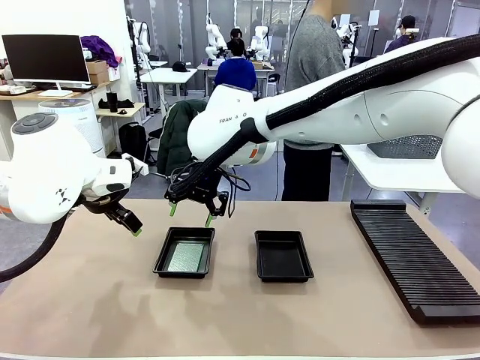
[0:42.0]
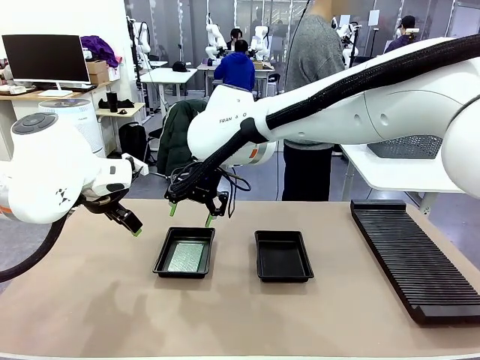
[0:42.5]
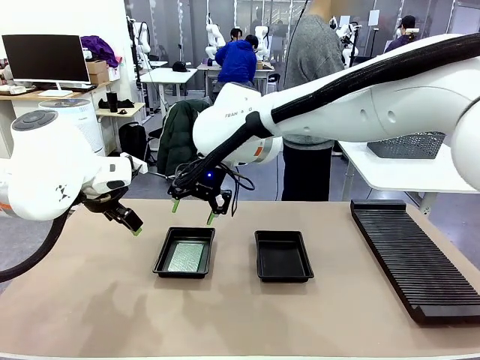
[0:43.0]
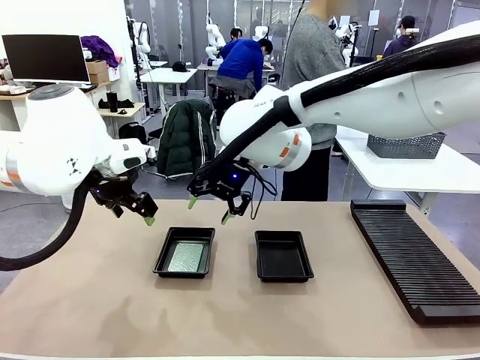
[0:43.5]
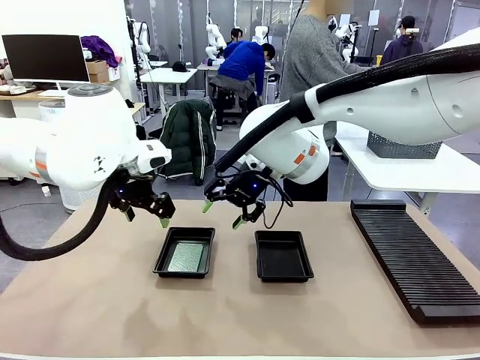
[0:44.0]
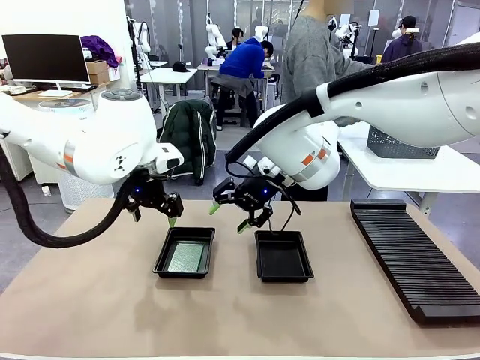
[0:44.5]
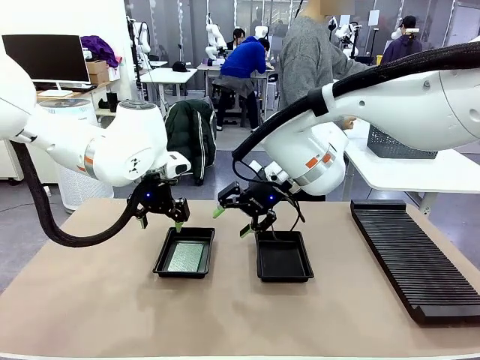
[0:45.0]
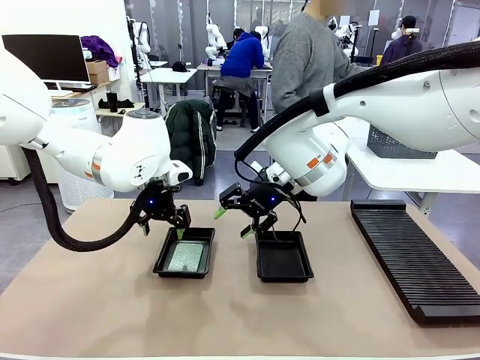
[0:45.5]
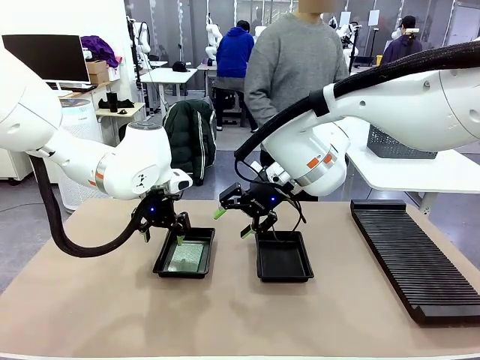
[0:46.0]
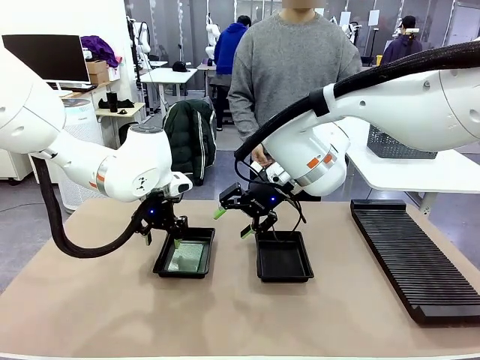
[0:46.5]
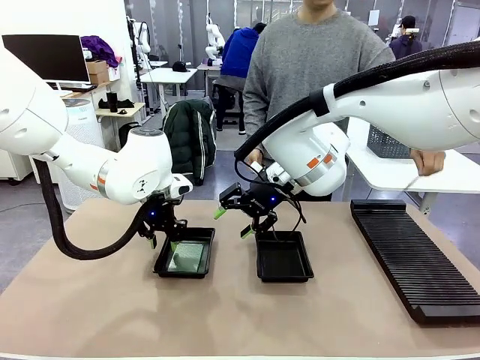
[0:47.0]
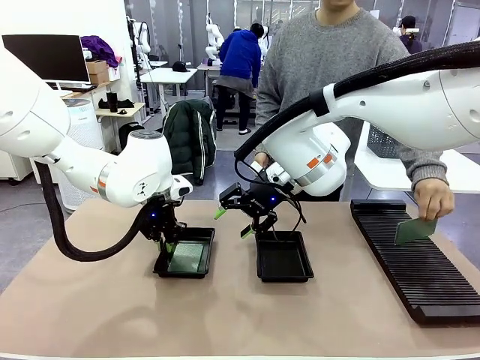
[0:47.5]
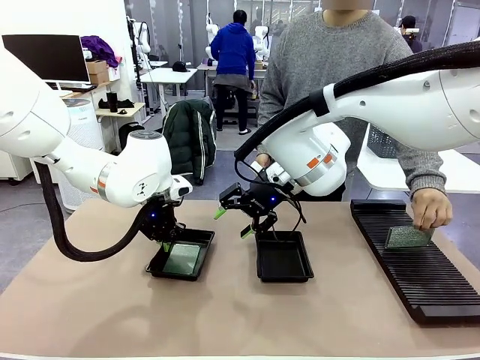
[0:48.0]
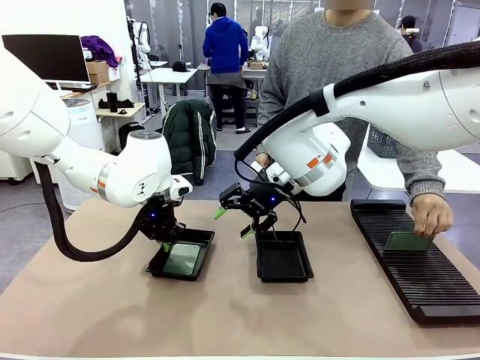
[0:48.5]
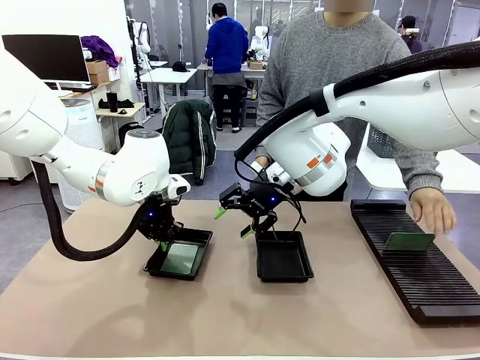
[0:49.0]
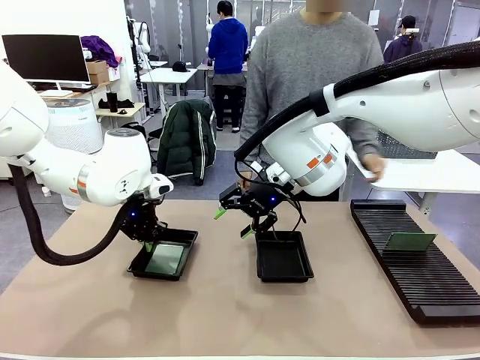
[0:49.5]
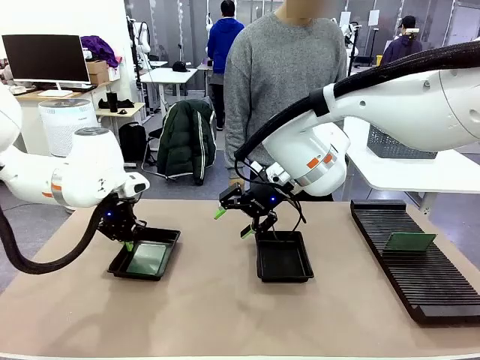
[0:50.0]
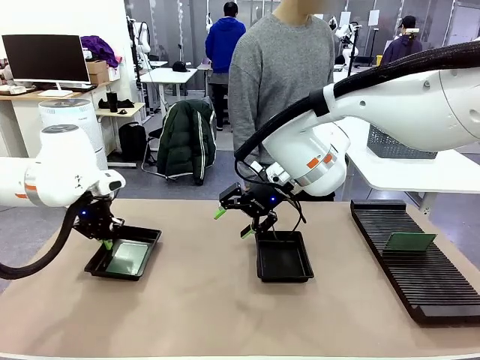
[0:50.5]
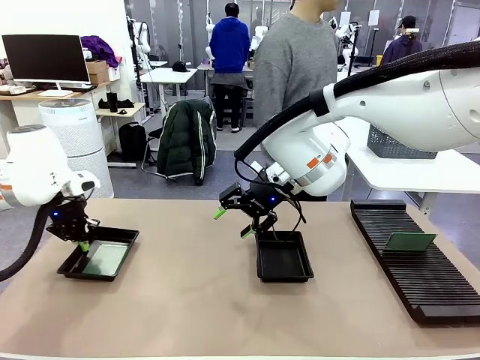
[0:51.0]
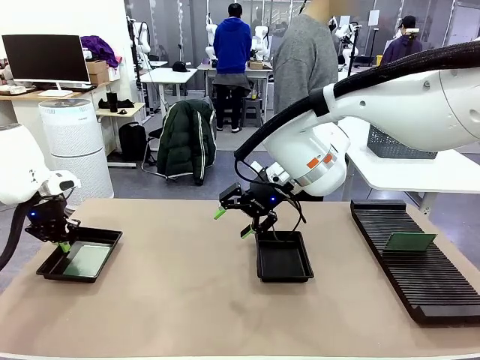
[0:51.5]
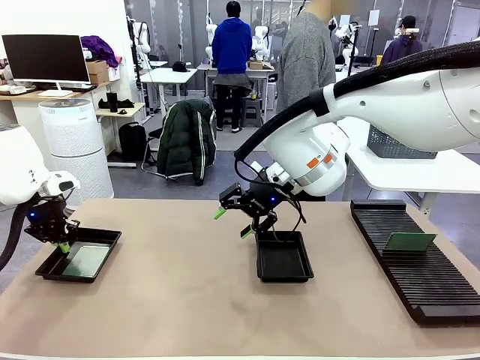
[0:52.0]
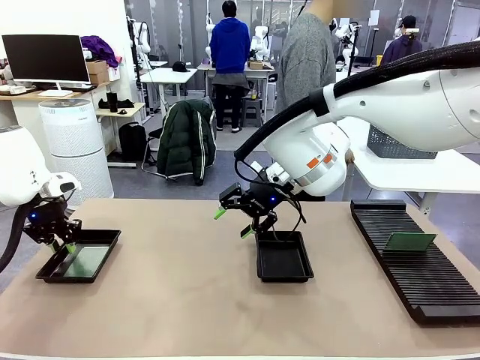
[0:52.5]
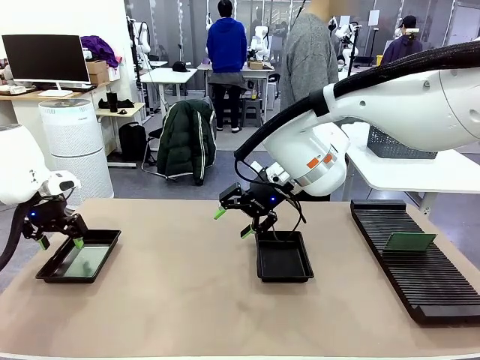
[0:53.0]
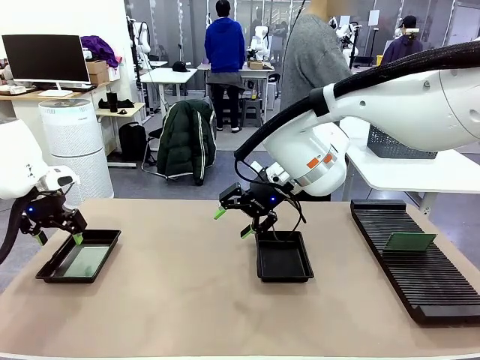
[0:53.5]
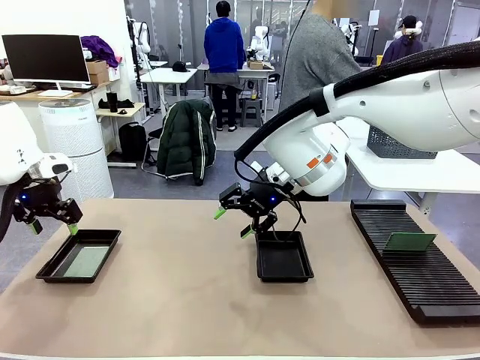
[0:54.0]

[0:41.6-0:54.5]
Task: Inspect and transfer BCBs to ESD trays.
Robot: Pick up the ESD tray and place it on the left side of the table.

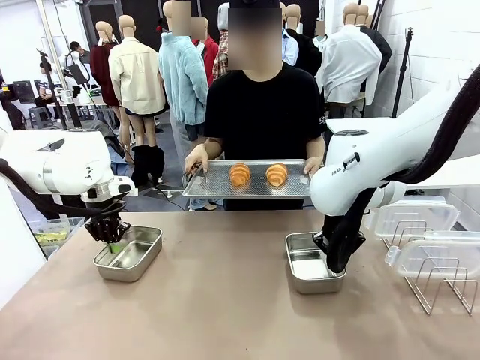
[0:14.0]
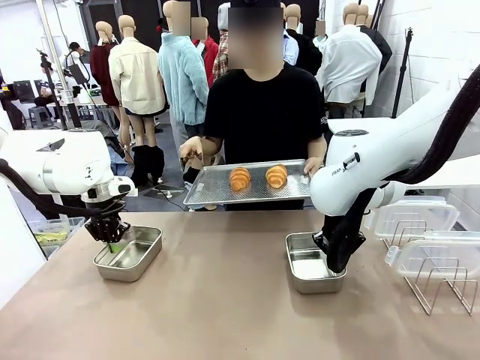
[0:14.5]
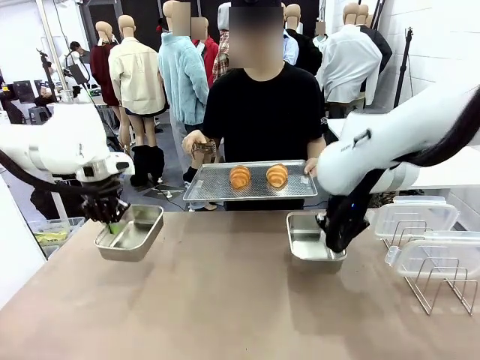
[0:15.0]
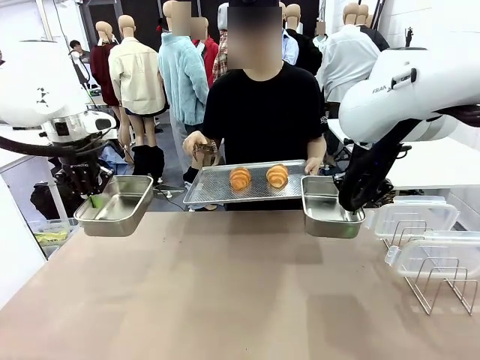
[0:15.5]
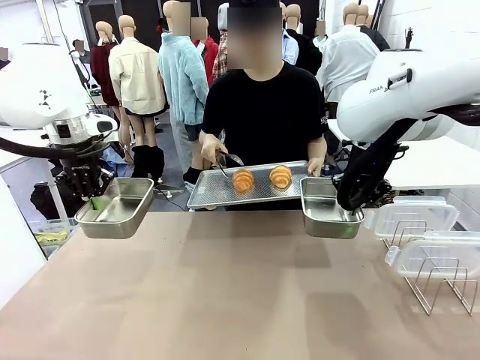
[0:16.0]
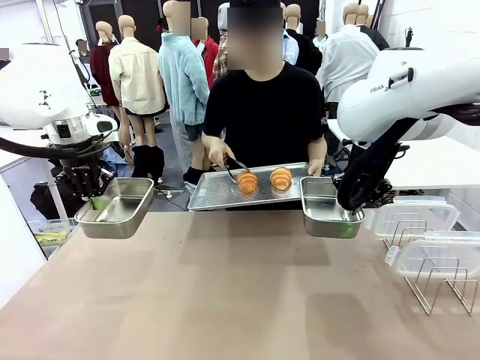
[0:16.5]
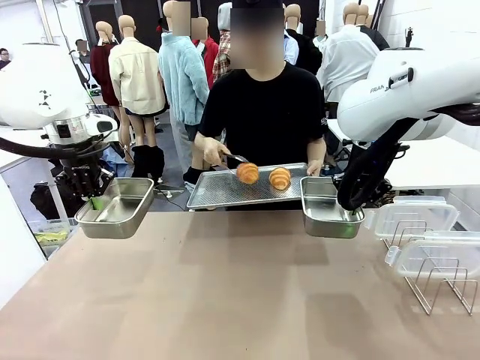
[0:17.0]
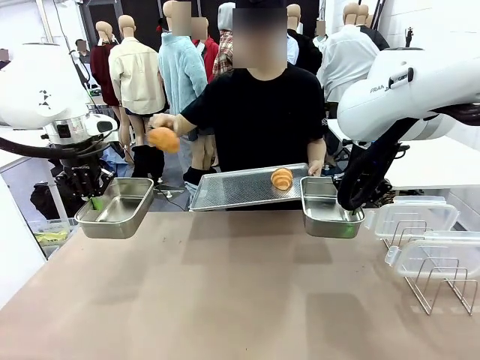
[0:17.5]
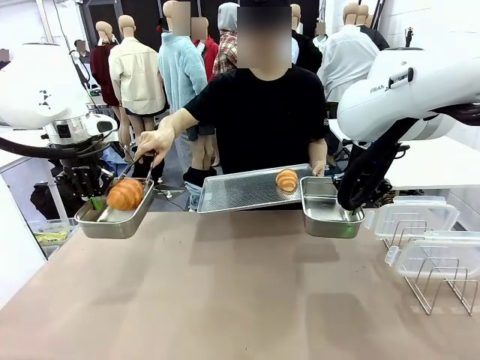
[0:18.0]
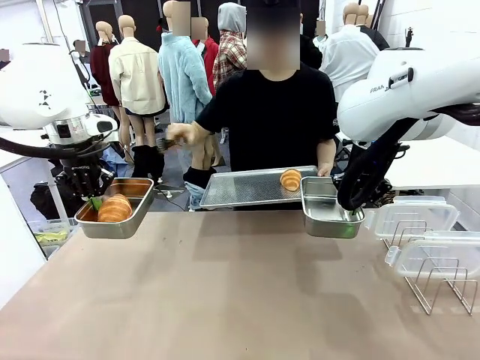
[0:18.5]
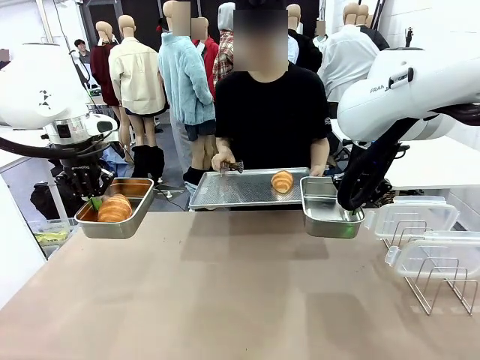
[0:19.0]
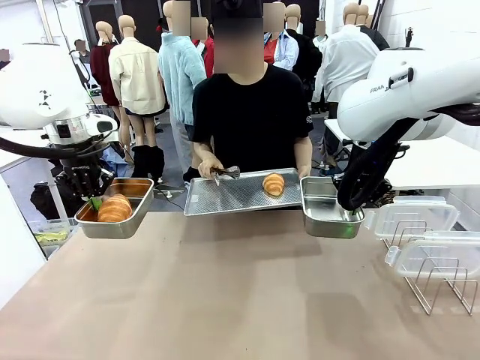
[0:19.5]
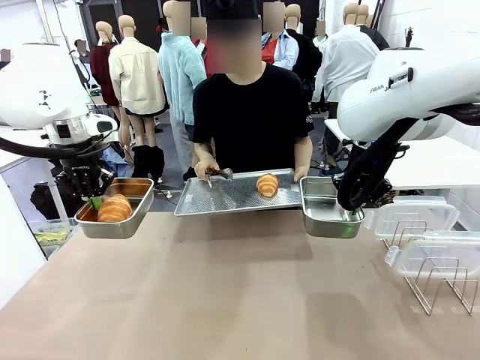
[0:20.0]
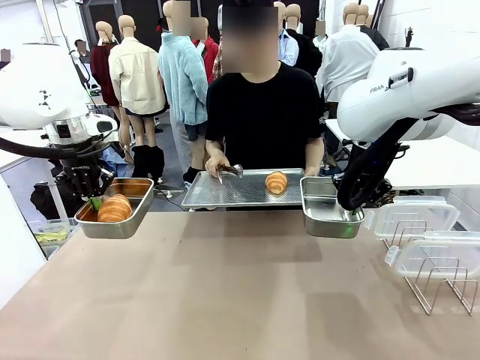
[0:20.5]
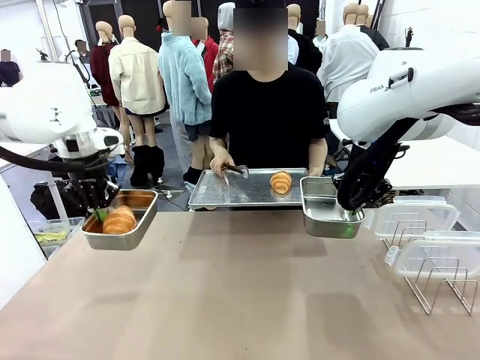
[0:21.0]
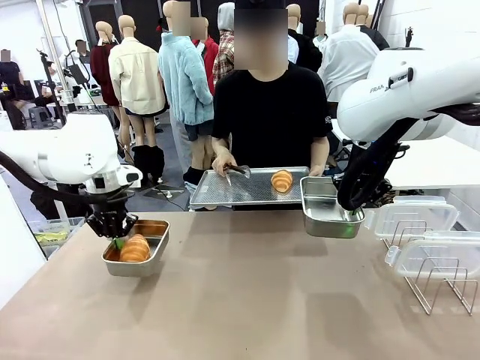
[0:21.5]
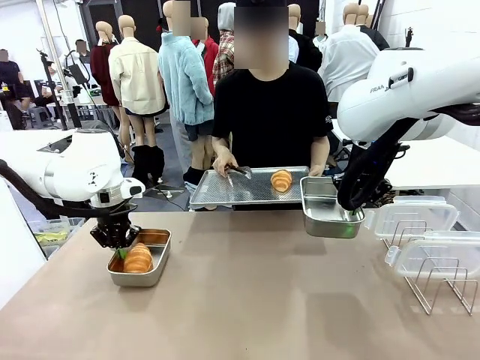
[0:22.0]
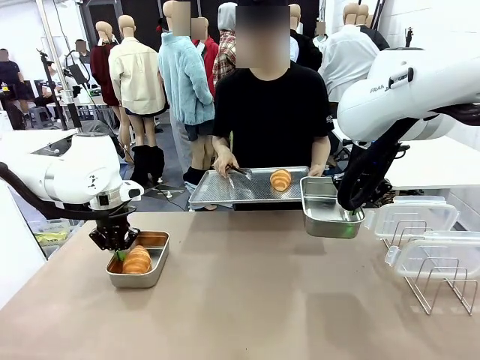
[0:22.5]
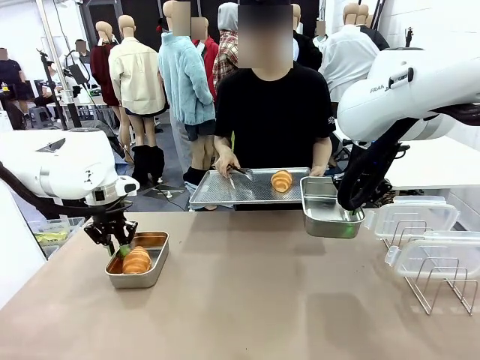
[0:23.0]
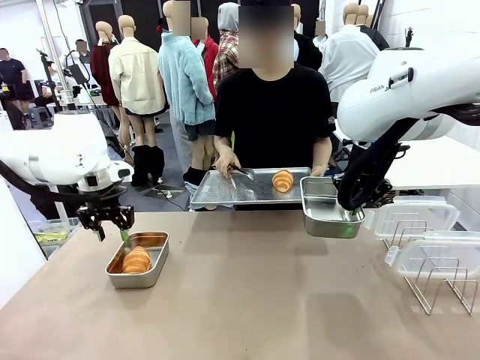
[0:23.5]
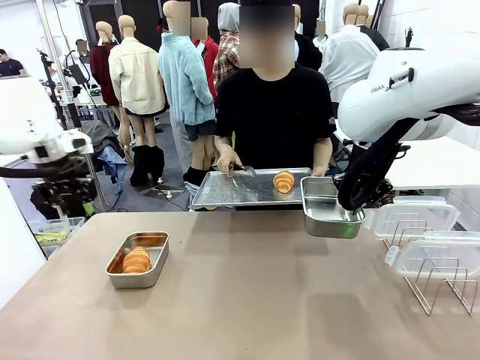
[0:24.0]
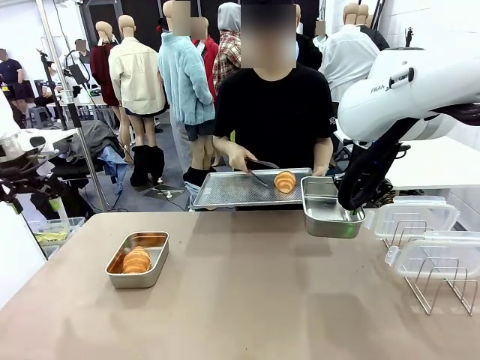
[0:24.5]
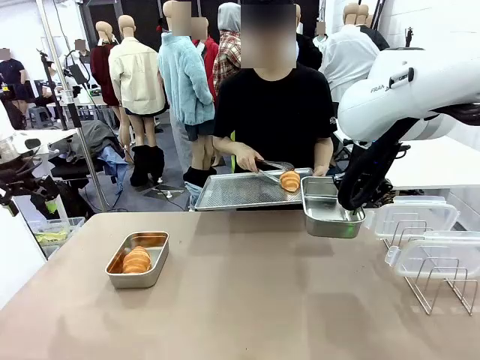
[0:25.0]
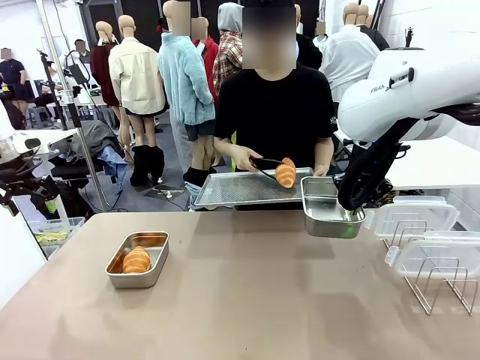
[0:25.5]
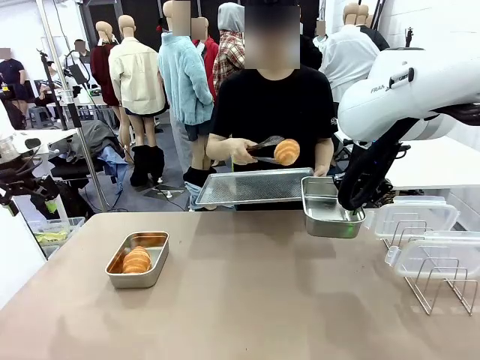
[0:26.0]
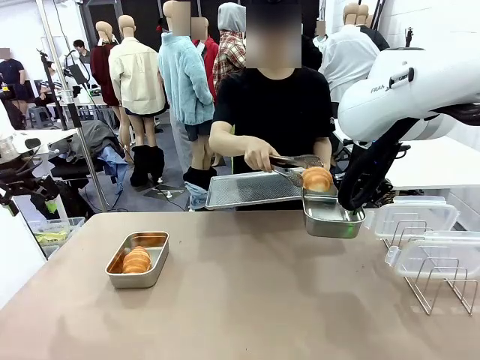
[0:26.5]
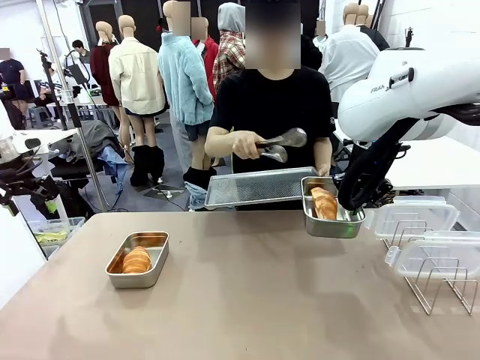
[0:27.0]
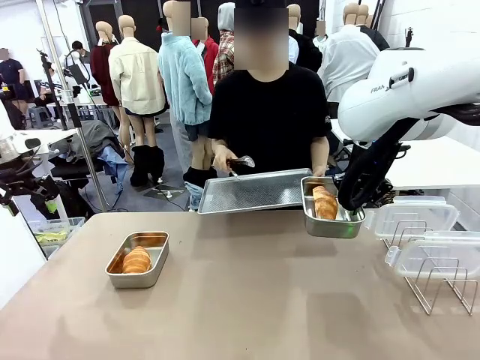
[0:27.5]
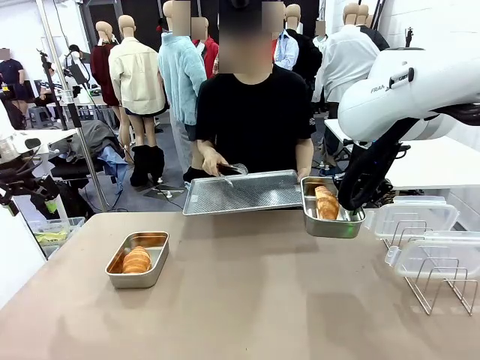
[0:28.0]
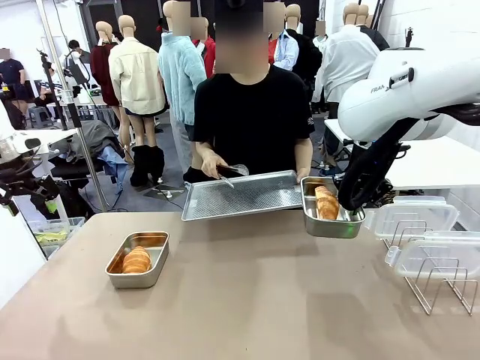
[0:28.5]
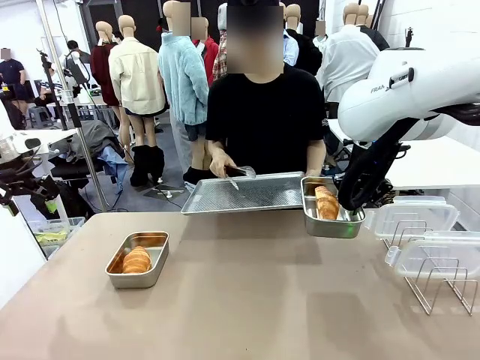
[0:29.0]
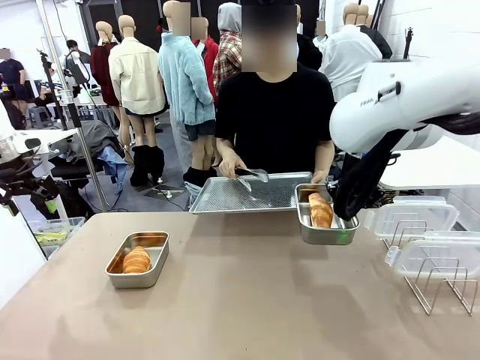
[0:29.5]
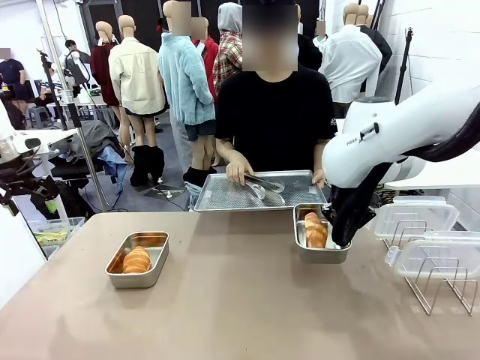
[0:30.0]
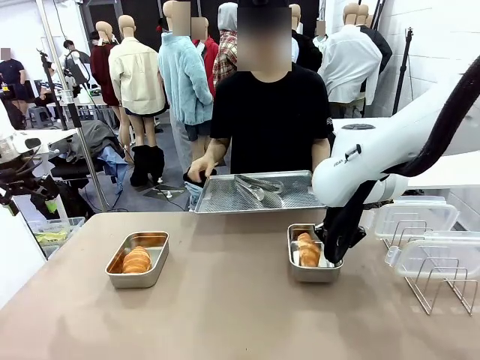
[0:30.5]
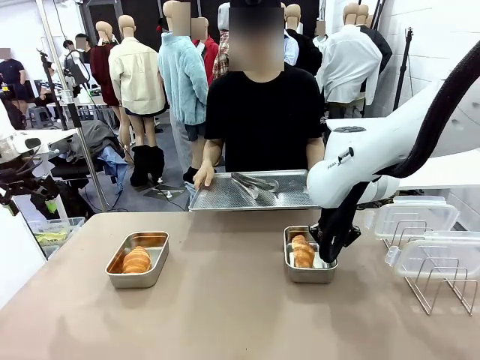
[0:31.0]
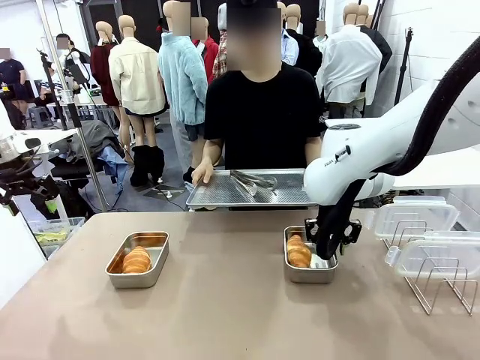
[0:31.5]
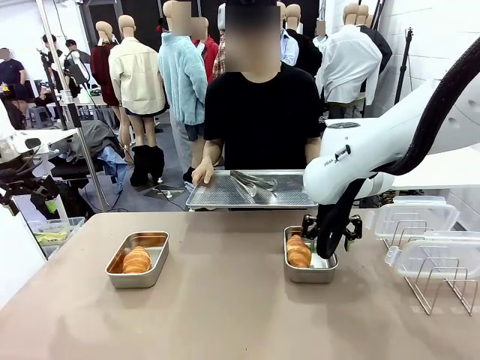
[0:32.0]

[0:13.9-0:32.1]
Task: Place the bread in airtight containers.
Robot: Once an object is inside an Airtight Container , place the container in the center of the table.
Person: Use the Stainless steel tongs to place one object from Baking Sheet into one Airtight Container.
